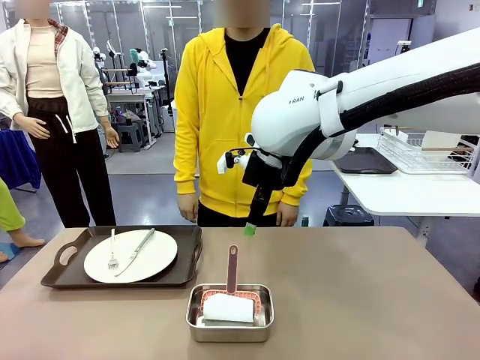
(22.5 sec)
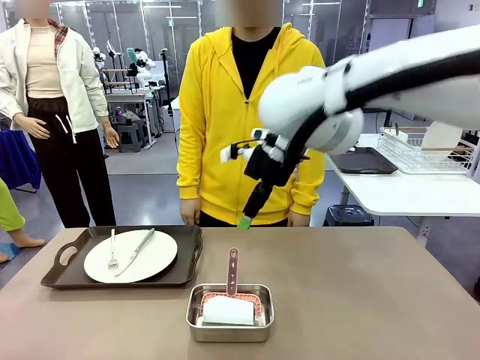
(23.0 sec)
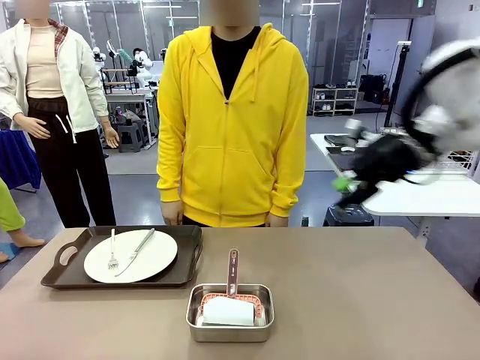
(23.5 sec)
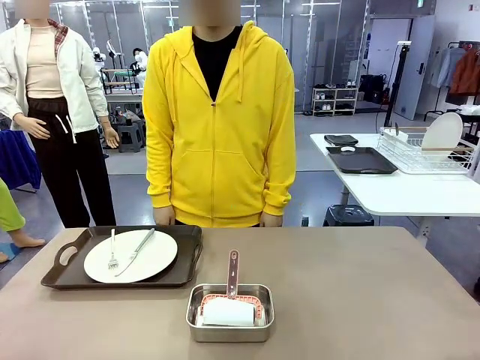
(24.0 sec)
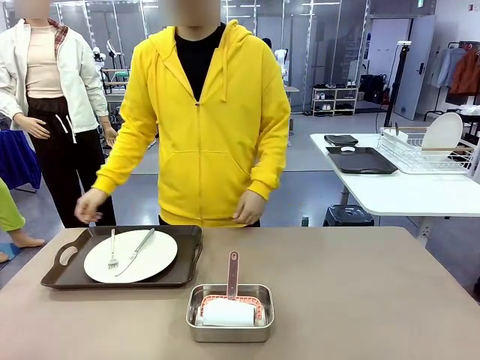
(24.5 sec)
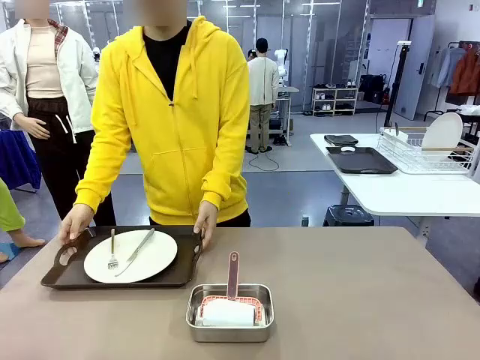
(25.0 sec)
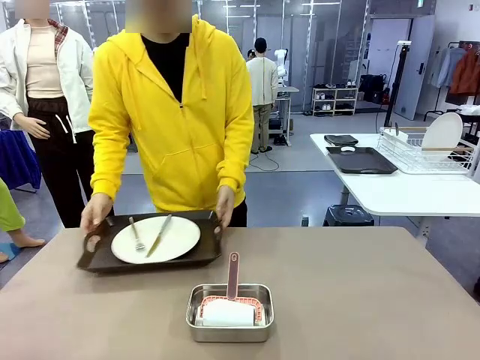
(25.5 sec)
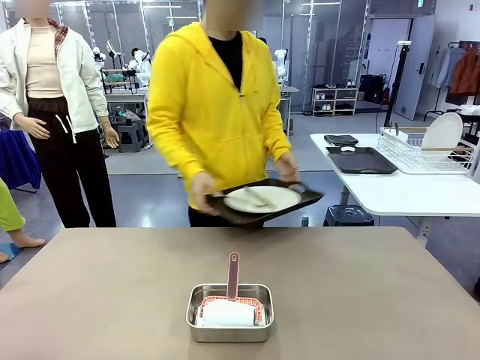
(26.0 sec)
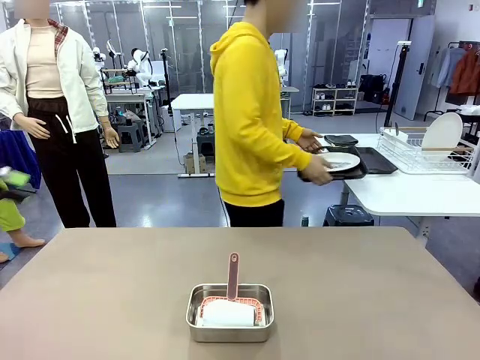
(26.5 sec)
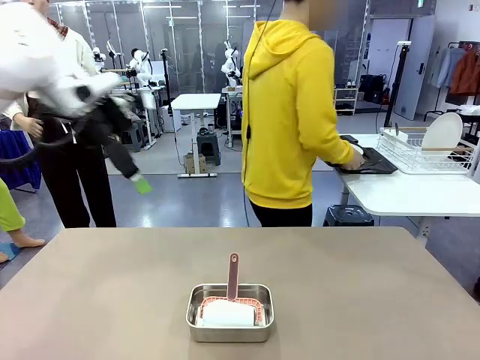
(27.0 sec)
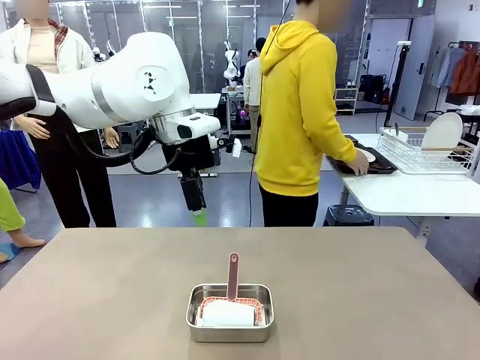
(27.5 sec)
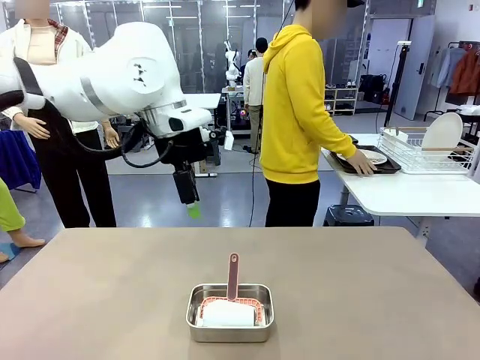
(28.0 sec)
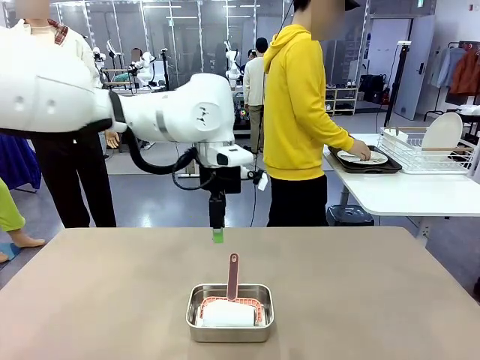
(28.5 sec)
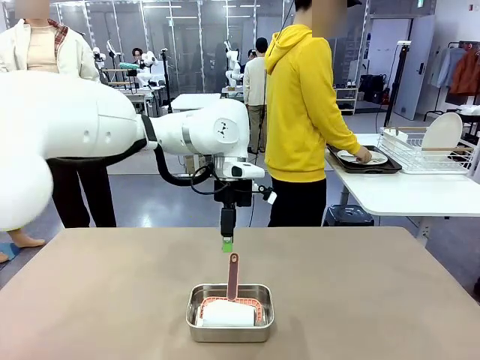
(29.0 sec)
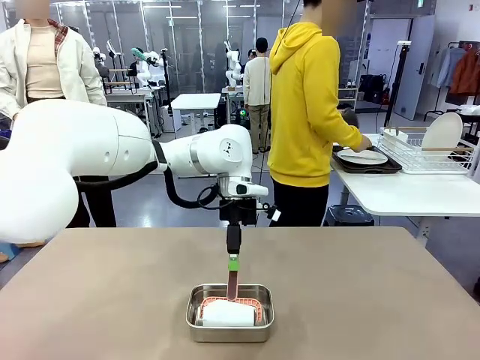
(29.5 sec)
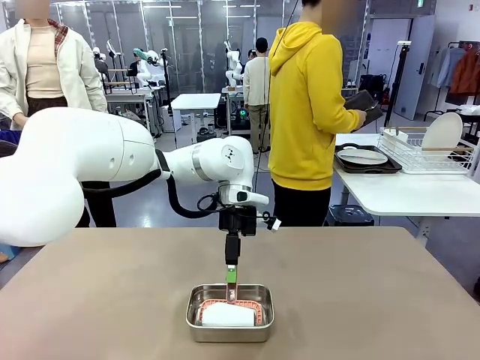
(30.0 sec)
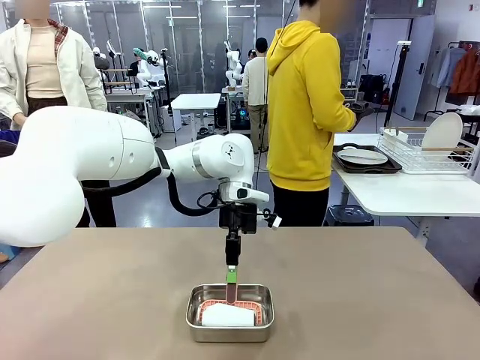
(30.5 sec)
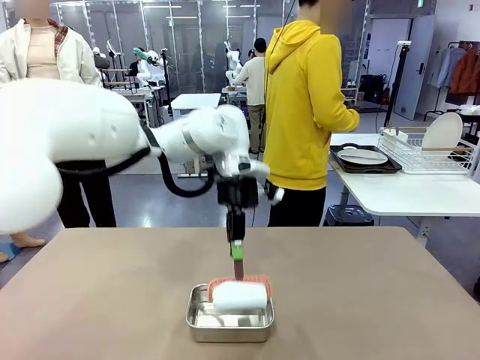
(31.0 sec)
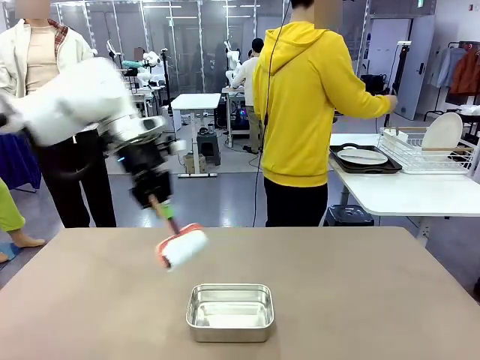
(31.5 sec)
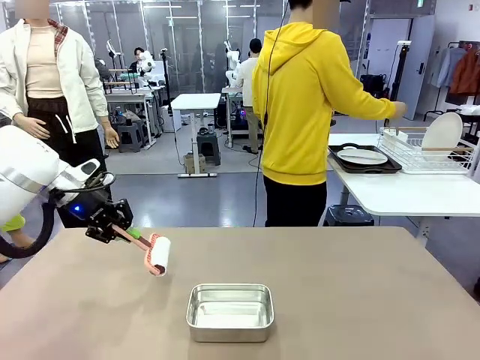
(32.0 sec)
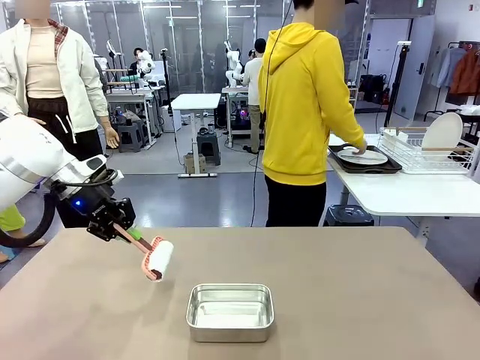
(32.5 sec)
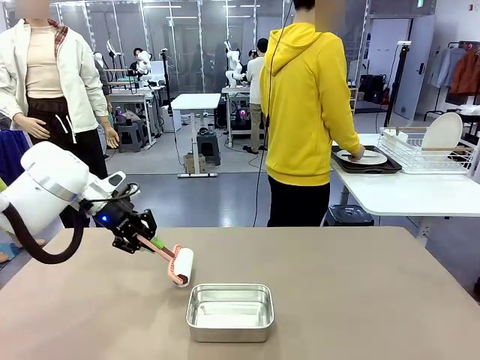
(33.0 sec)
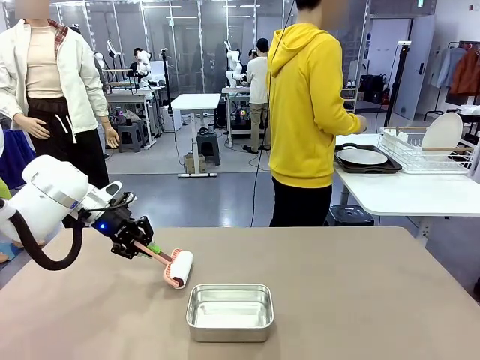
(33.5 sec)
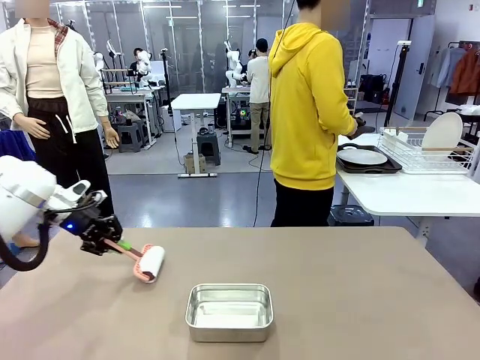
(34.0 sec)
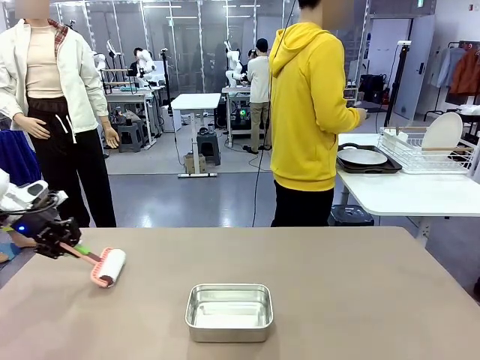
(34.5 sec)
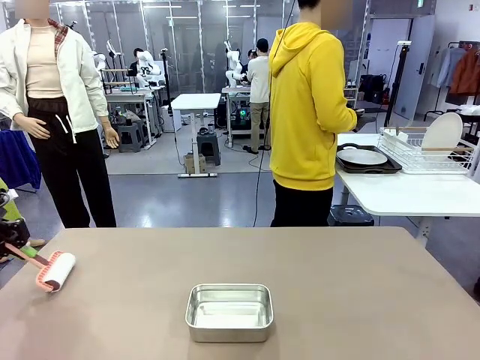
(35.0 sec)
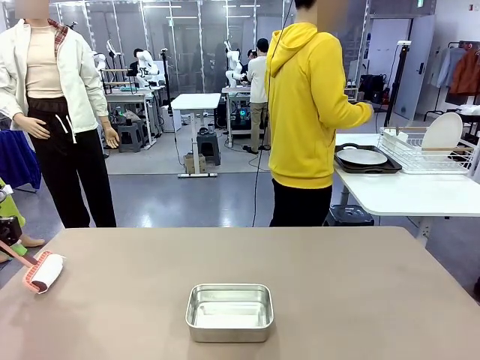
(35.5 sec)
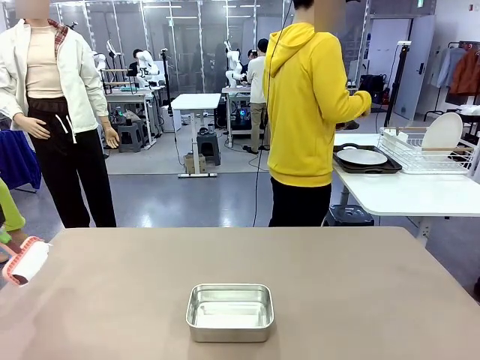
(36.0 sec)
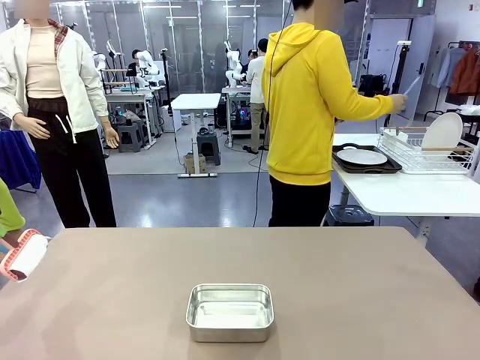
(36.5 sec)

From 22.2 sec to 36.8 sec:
Robot: When the right (or left) Handle tray is removed, use the right hand (or left hand) to clean the right (or left) side of the table with the Lint Roller.
Person: Pick up the left (or right) Handle tray and place it on the Handle tray.

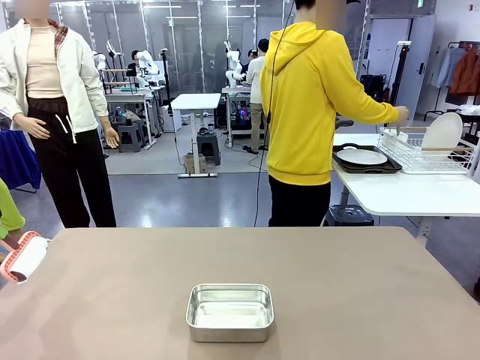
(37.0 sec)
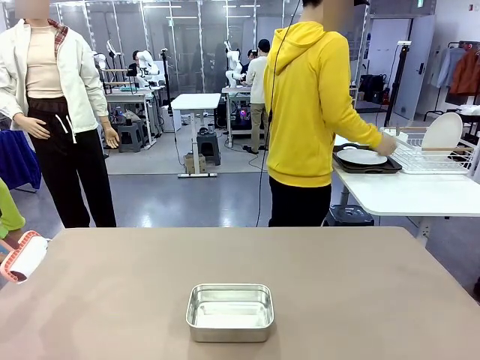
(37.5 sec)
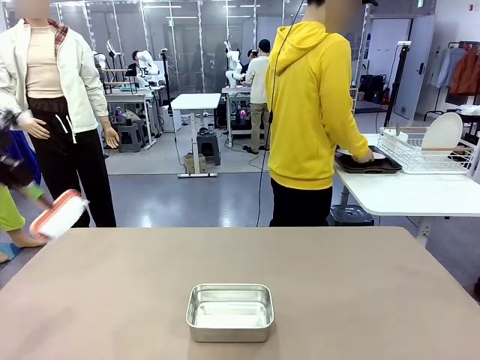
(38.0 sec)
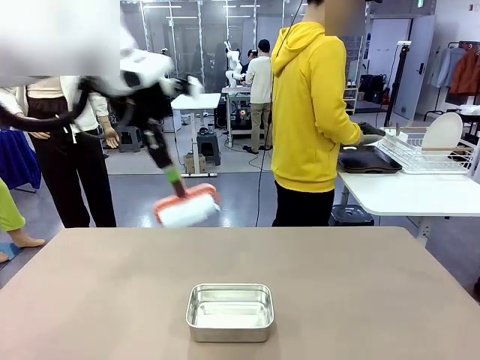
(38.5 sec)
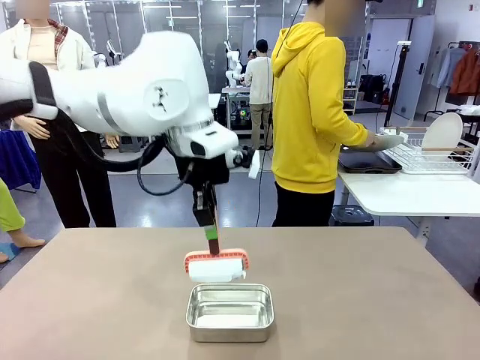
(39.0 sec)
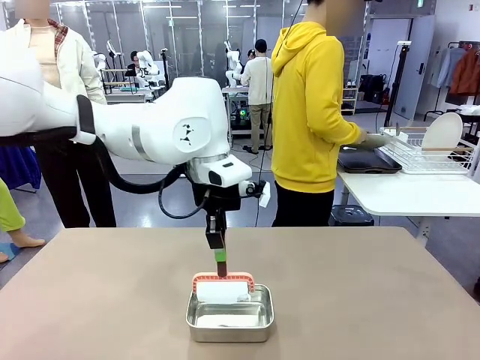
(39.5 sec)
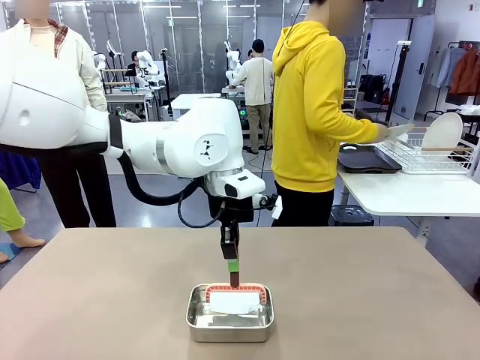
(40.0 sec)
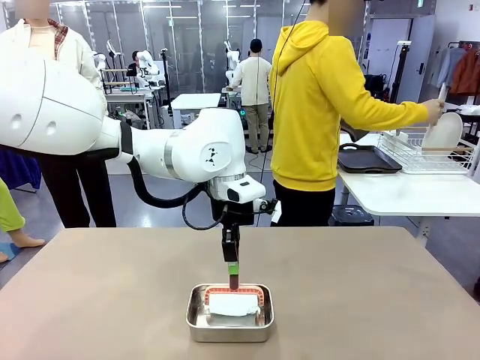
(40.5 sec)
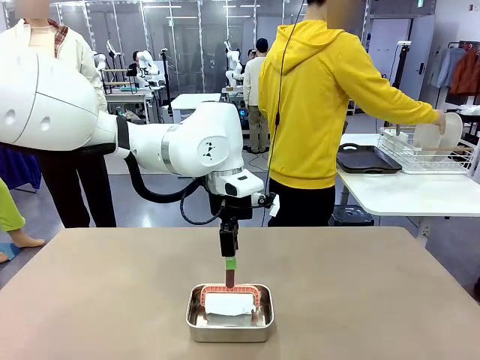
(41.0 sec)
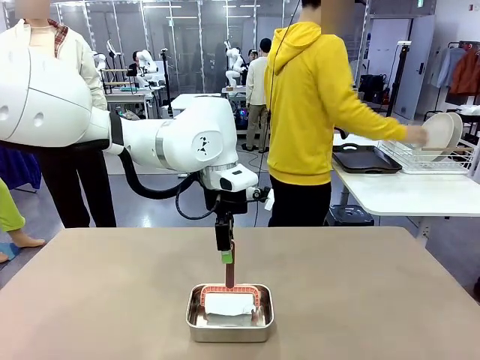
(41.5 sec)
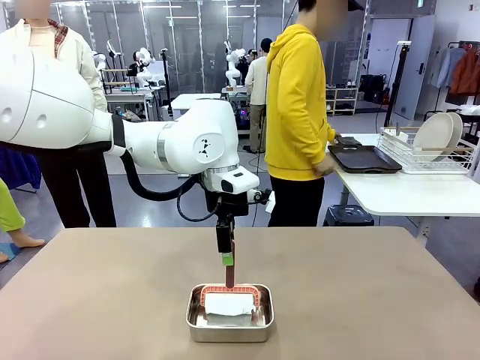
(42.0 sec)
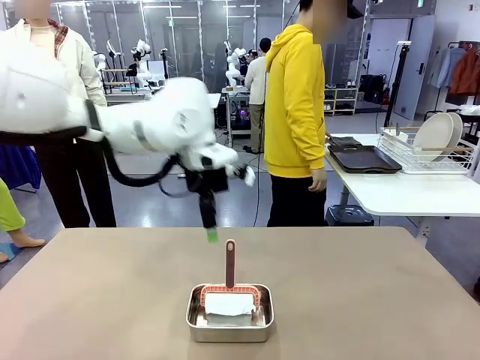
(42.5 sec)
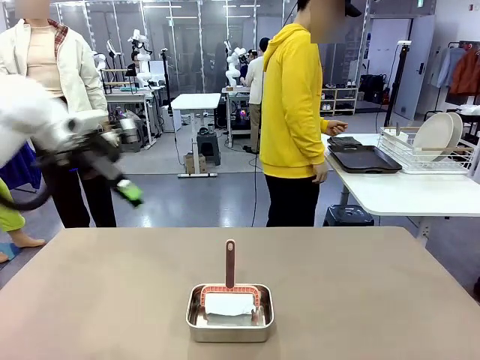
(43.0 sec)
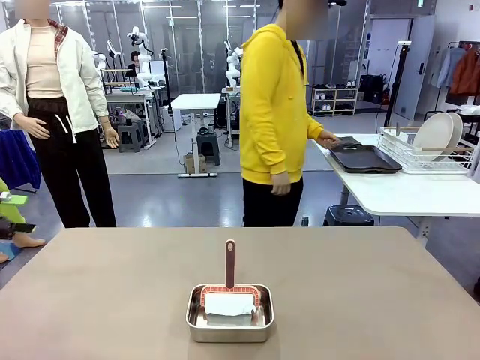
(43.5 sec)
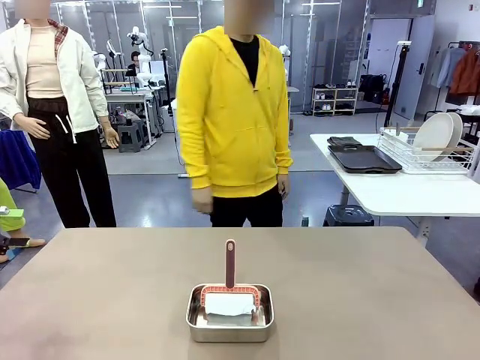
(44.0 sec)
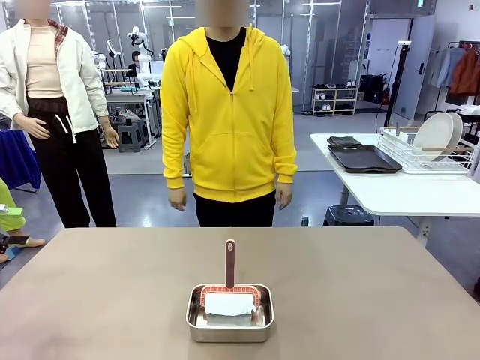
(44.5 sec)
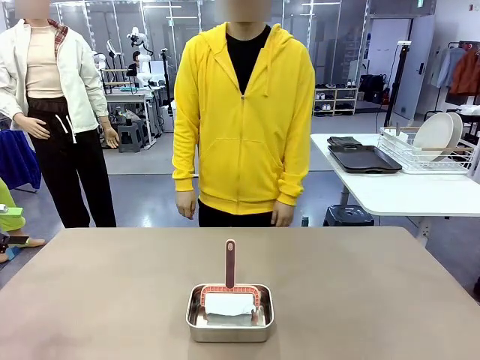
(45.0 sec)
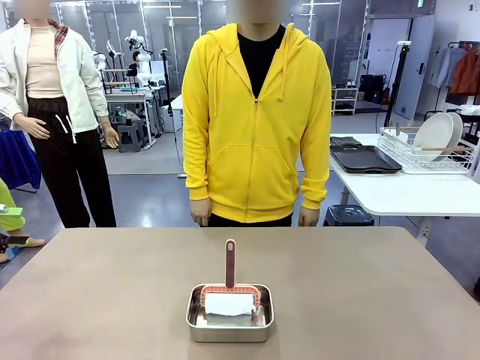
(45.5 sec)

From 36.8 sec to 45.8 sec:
Robot: Place the Lint Roller back on top of the Airtight Container.
Person: Use the Towel with hook to wipe the Plastic Matte Plate , Fork , and Knife and place into the Dish drying rack.

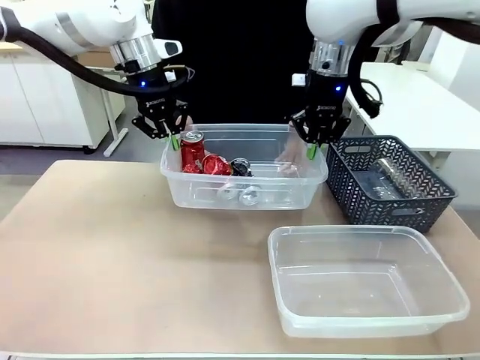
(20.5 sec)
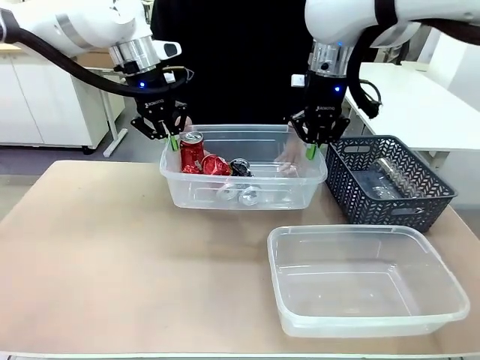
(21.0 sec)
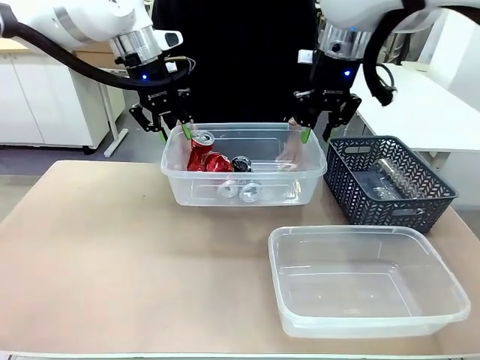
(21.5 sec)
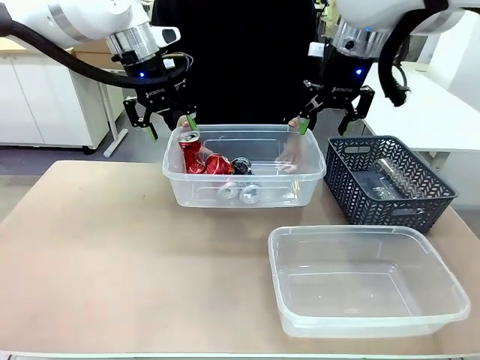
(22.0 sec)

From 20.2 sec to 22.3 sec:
Robot: Release the Organizing box you were holding.
